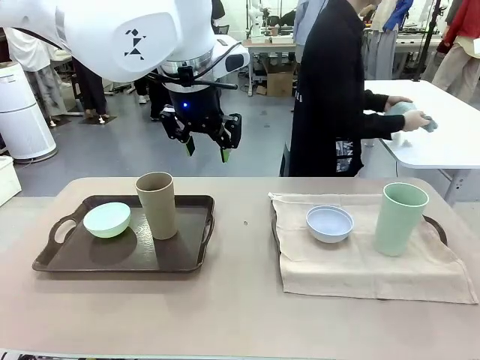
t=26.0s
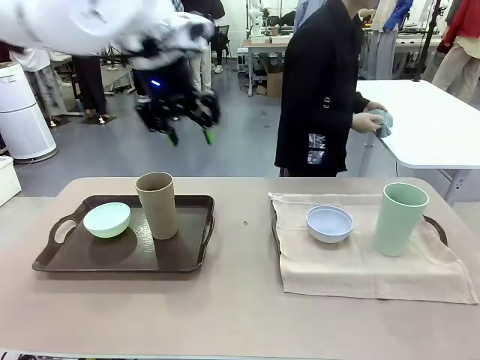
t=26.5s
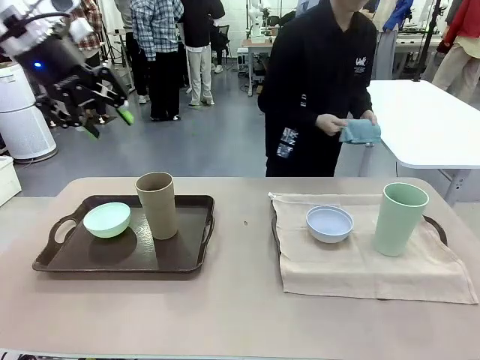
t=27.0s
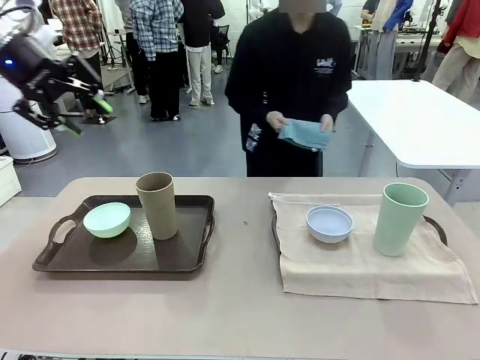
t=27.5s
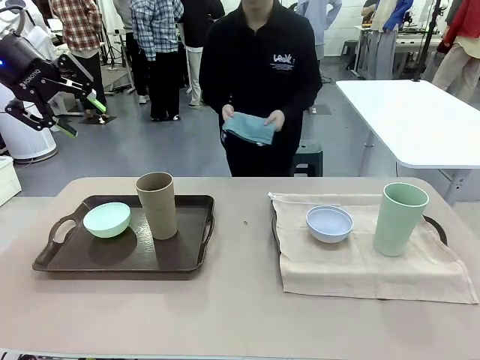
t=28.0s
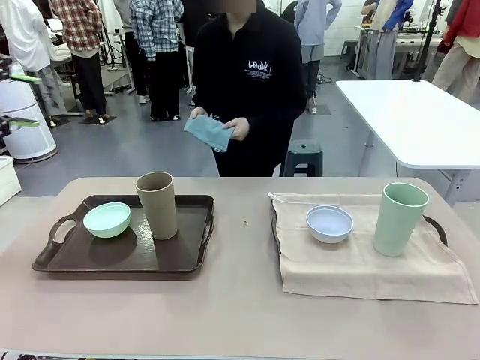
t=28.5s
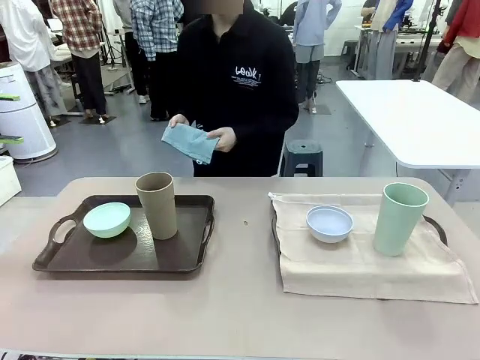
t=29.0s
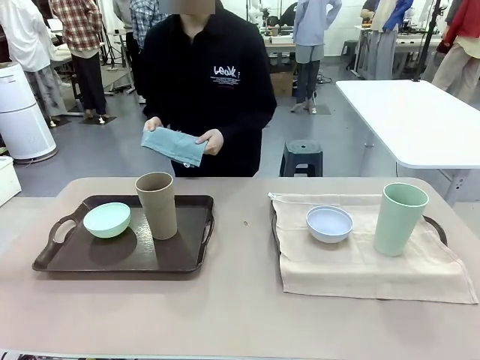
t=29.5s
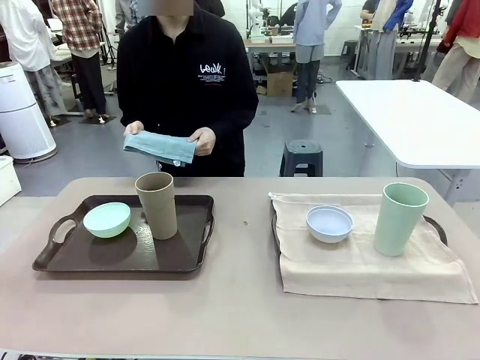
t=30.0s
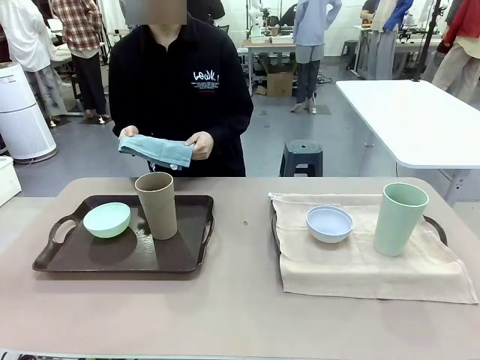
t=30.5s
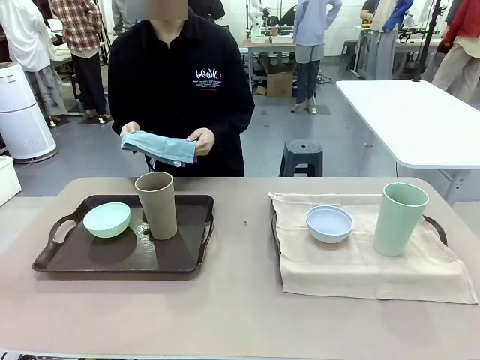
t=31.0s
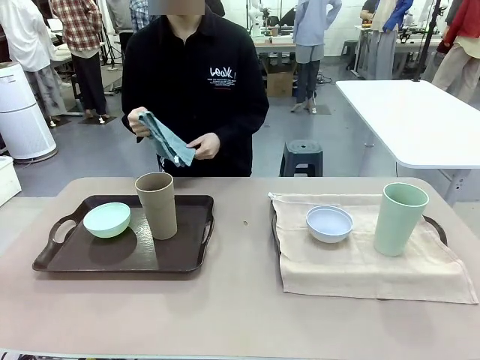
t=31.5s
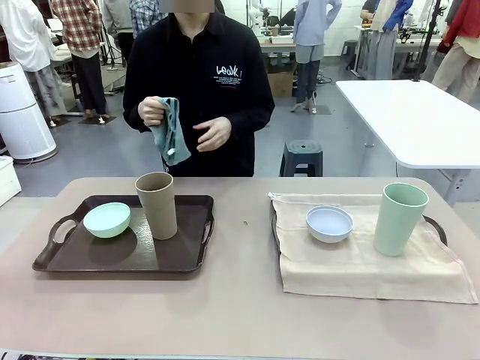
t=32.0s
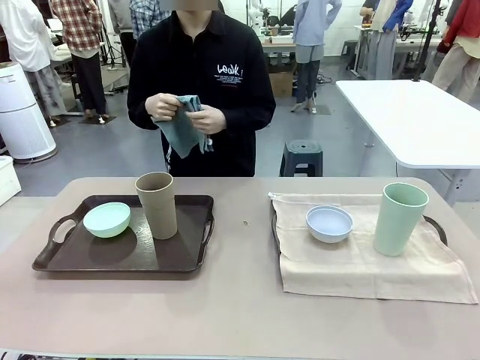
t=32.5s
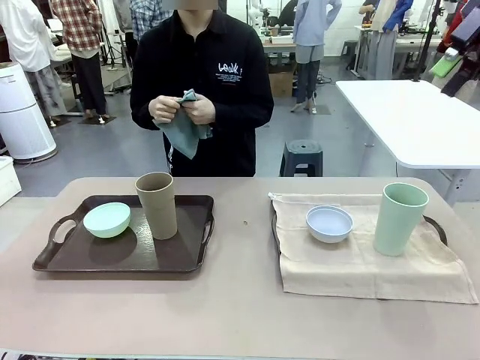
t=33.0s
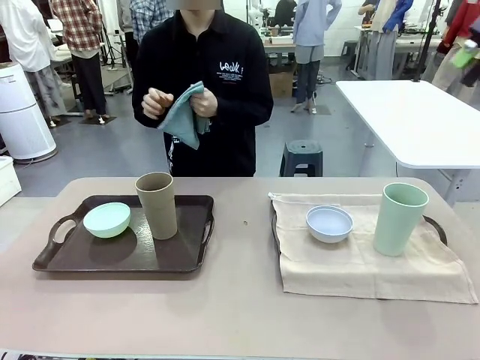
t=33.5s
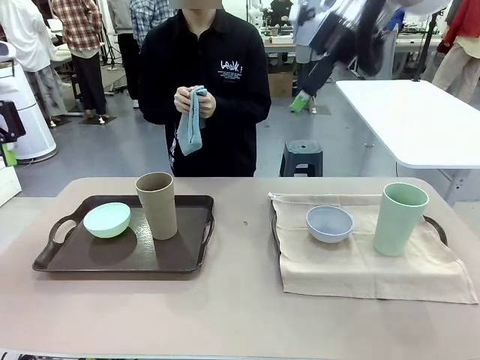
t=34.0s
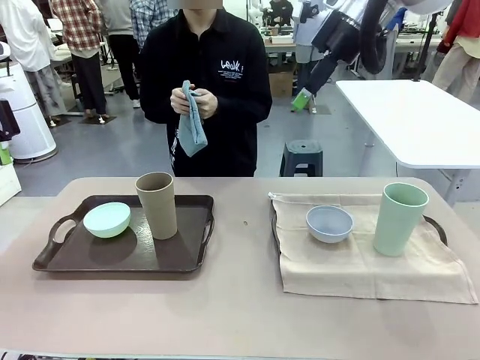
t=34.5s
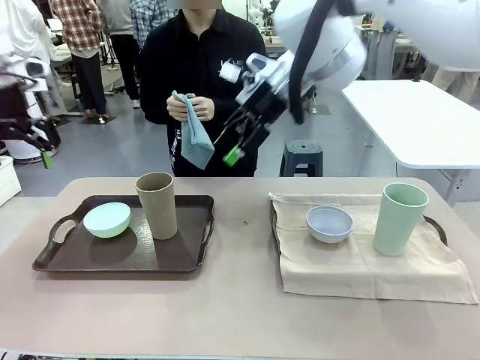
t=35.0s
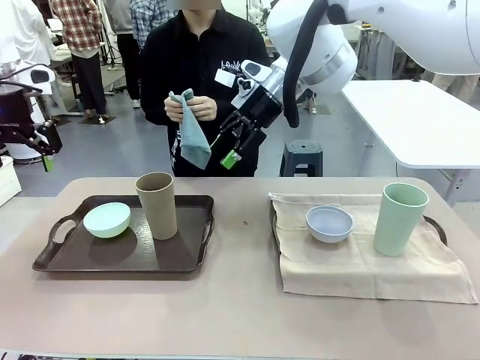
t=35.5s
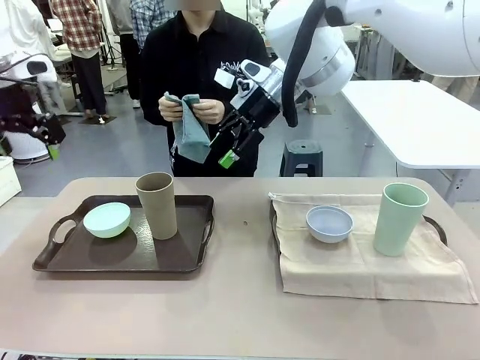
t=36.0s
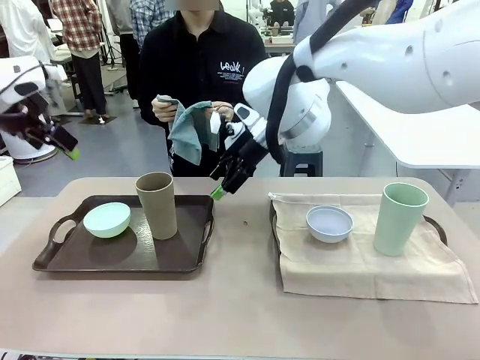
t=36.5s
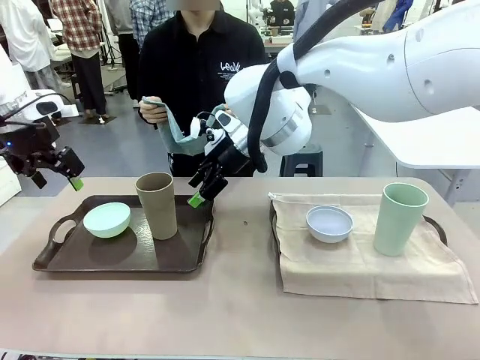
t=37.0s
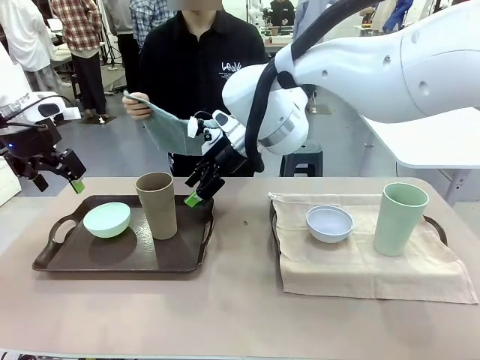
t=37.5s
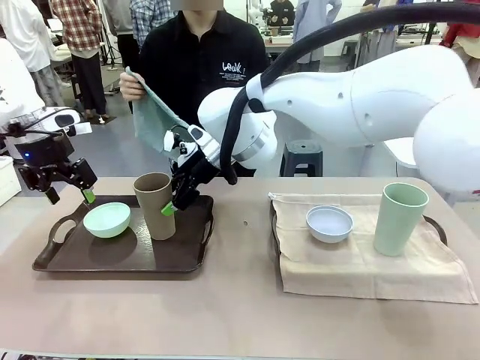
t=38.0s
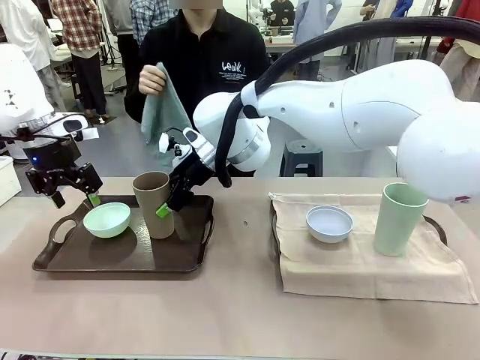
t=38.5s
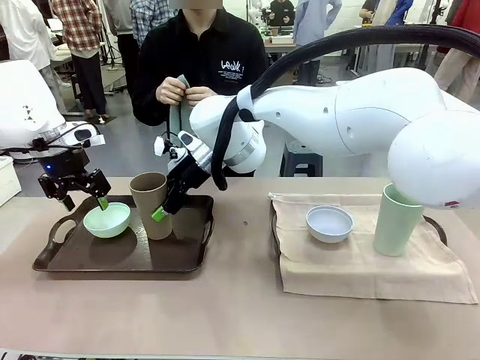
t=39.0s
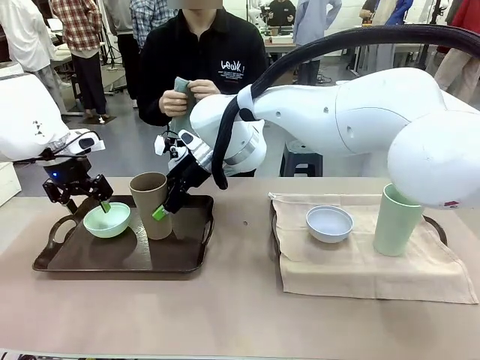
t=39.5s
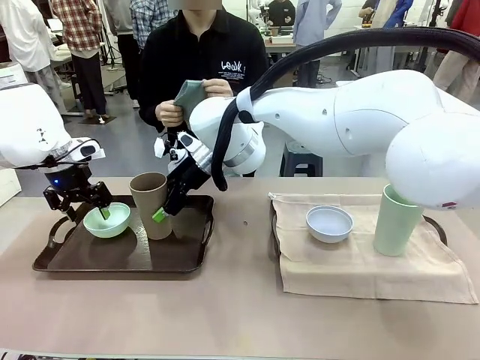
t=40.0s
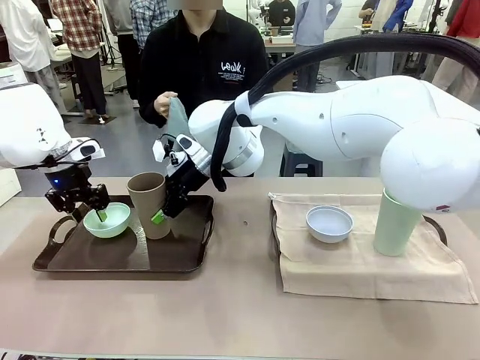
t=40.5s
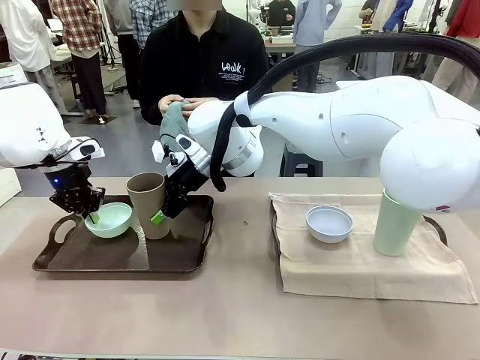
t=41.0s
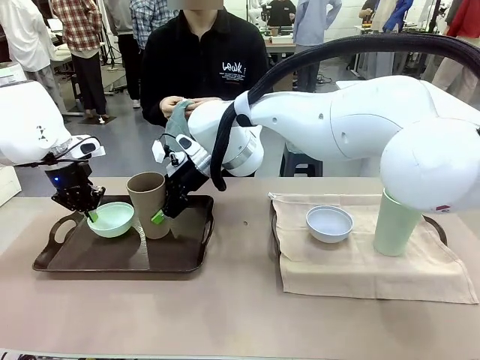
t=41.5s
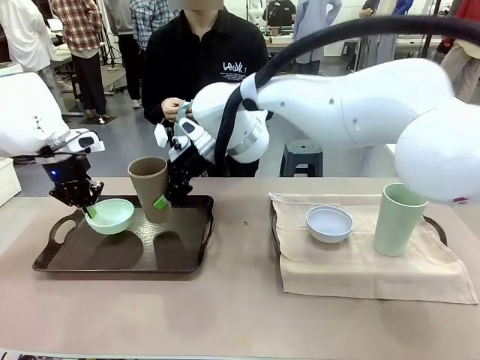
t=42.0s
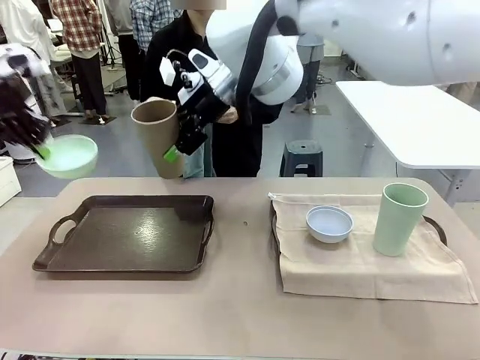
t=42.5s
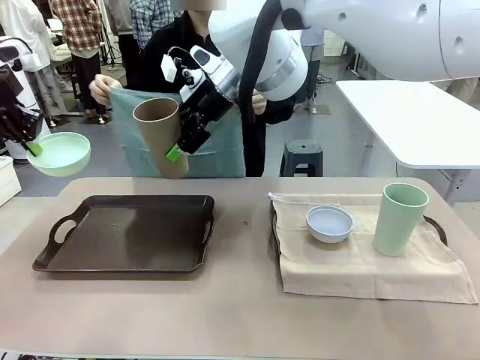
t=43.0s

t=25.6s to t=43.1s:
Robot: Pick up the Picnic Bowl and Reusable plastic cup from the Handle tray in front of the human's position and hold them in the air.
Person: The human returns to the human table to pick up another napkin and walks to the robot table to stand in front of the tray without a napkin. When the robot lifts the bowl and the cup, the human unfolds the napkin and lays the napkin flat on the tray.

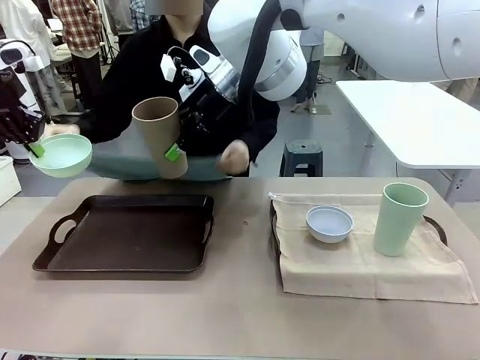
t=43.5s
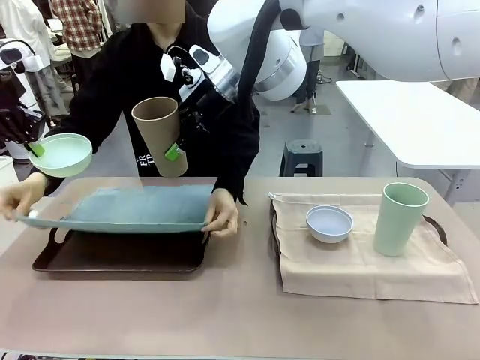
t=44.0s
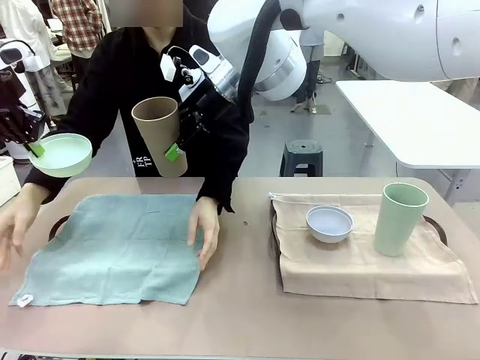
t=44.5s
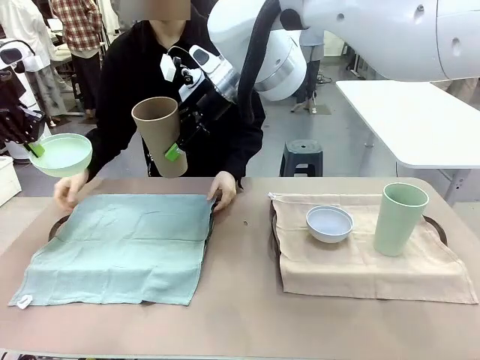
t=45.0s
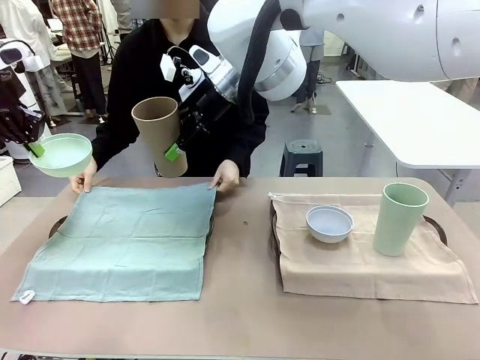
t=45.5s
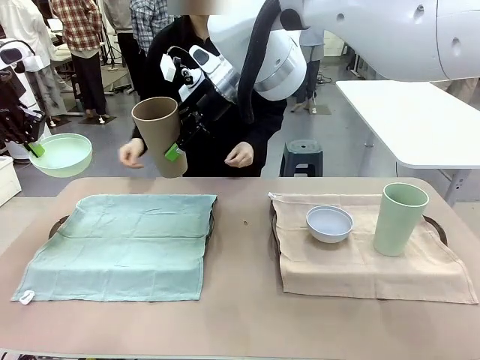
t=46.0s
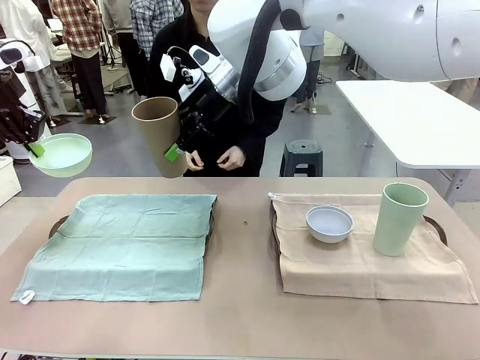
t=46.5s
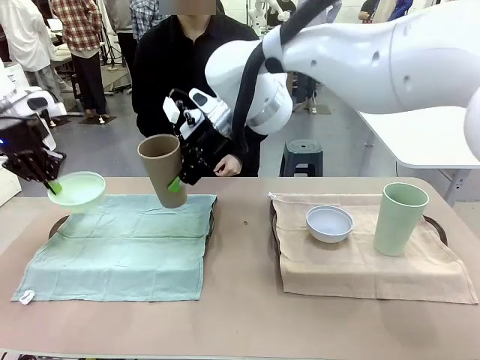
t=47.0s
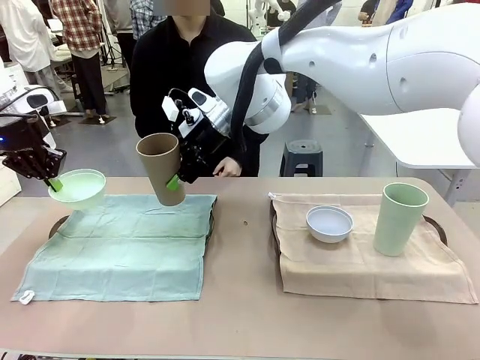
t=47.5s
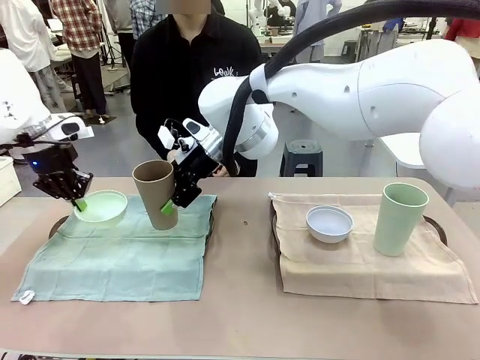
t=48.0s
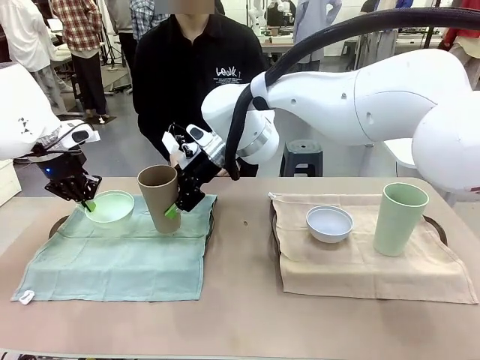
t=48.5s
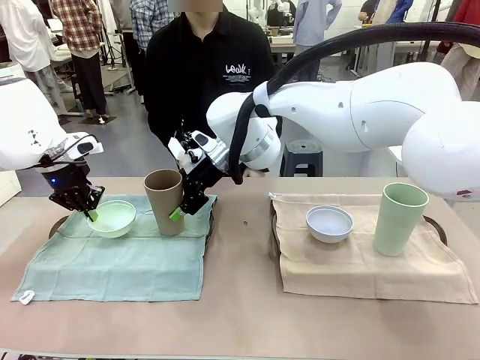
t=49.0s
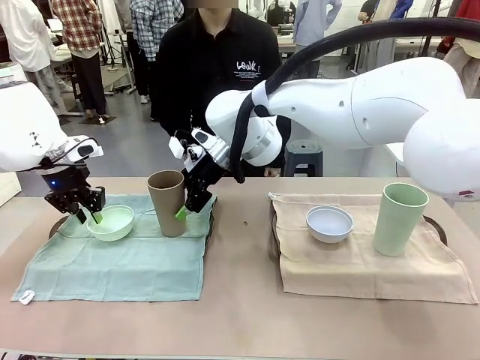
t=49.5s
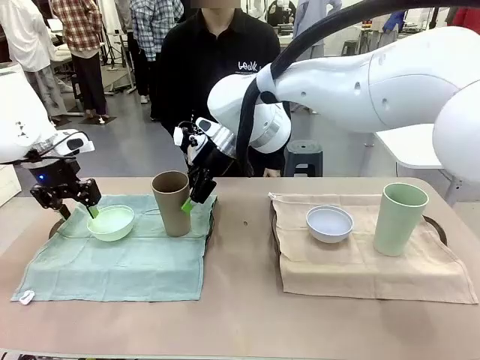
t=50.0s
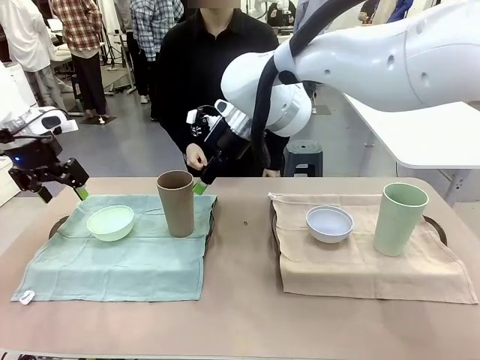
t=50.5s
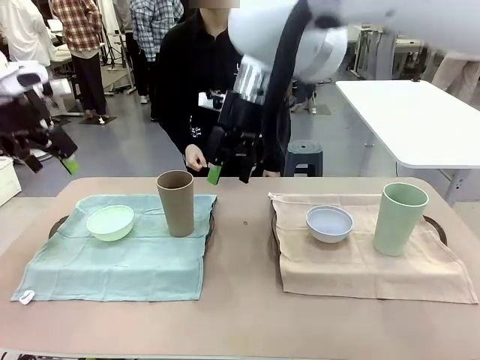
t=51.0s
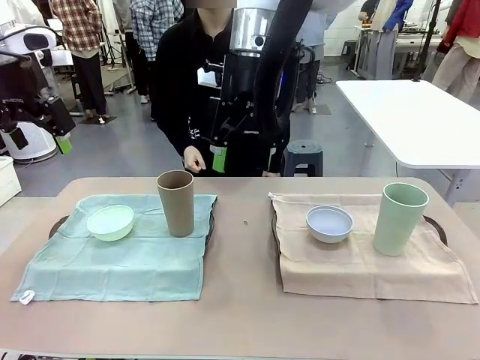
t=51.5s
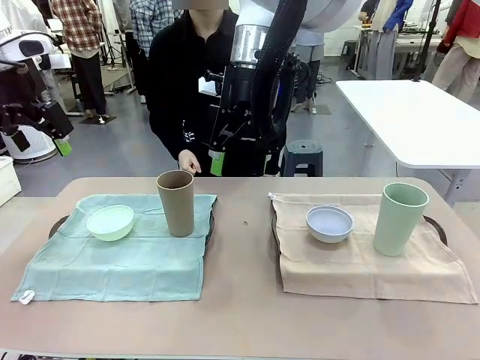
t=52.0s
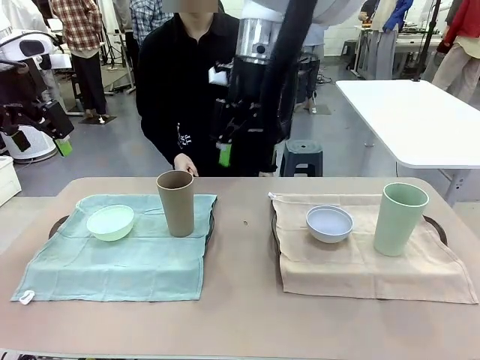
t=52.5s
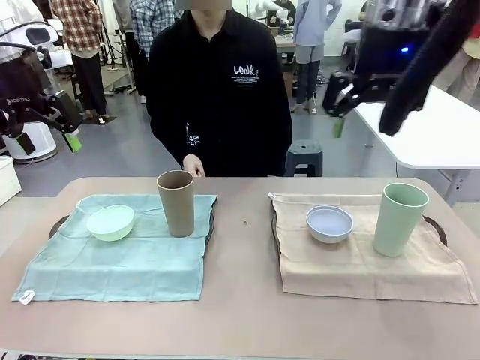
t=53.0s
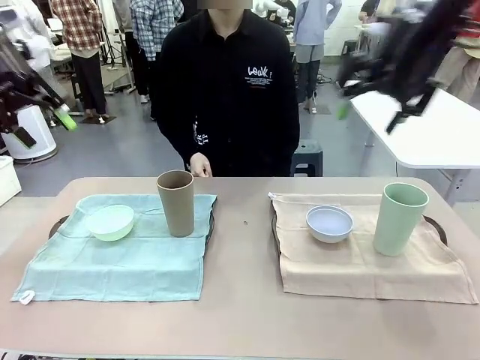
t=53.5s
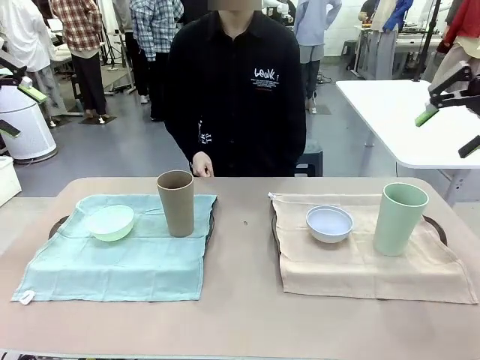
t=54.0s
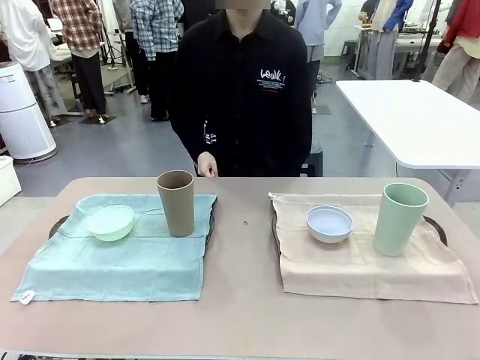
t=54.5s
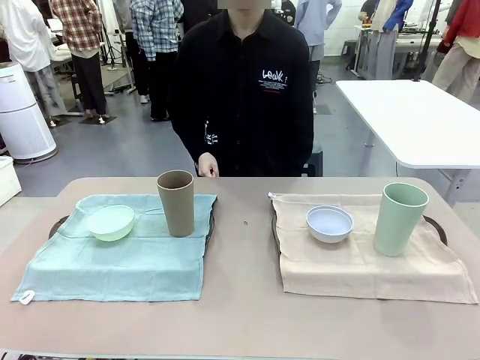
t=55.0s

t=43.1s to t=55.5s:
Robot: Place the Picnic Bowl and Reusable plastic cup back onto the Handle tray in front of the human's position.
